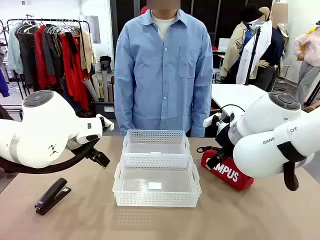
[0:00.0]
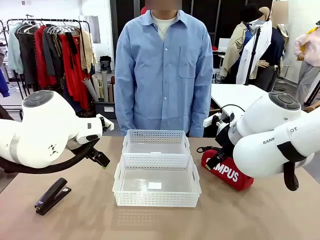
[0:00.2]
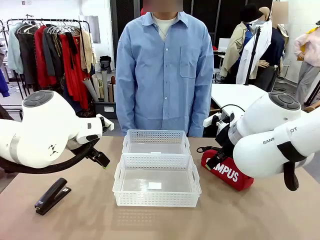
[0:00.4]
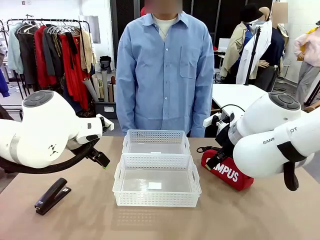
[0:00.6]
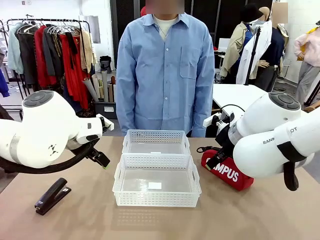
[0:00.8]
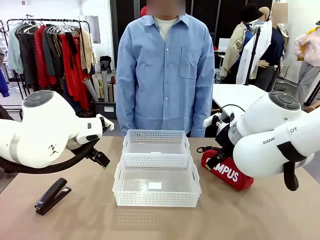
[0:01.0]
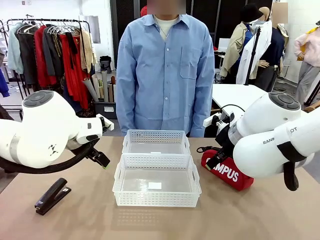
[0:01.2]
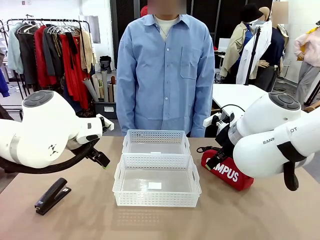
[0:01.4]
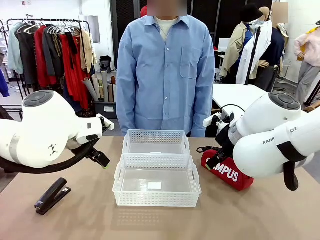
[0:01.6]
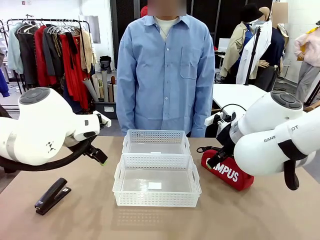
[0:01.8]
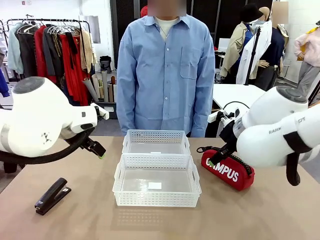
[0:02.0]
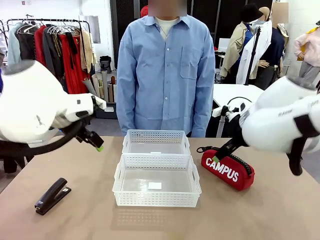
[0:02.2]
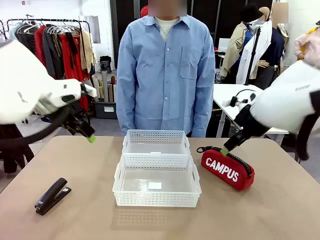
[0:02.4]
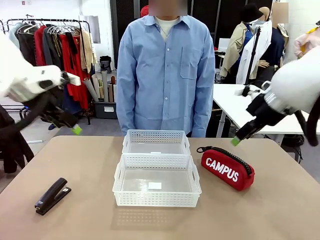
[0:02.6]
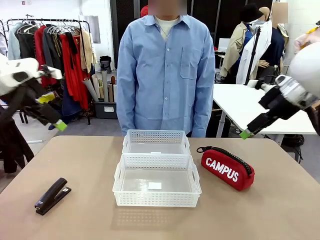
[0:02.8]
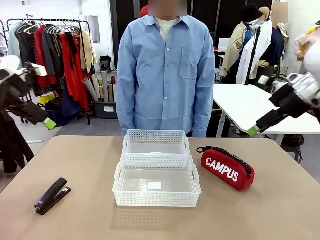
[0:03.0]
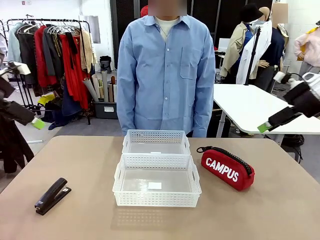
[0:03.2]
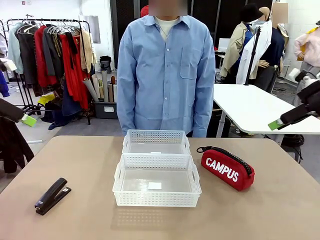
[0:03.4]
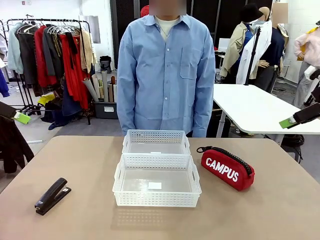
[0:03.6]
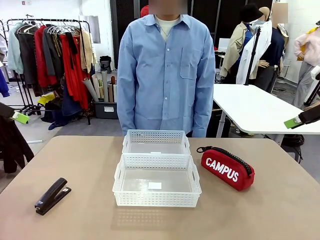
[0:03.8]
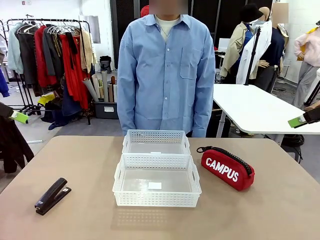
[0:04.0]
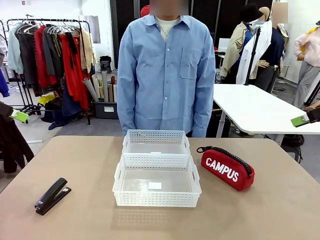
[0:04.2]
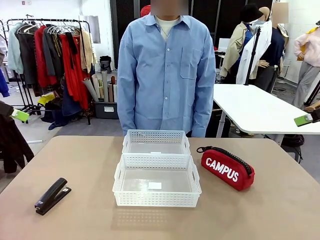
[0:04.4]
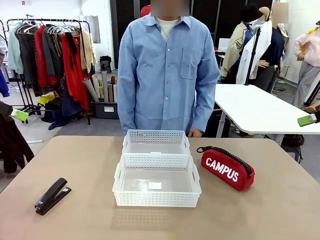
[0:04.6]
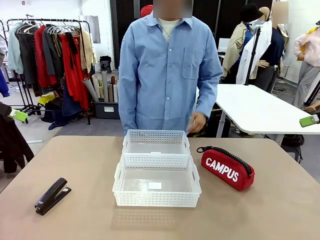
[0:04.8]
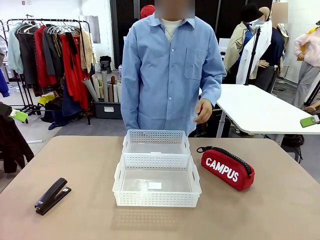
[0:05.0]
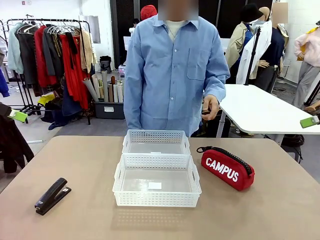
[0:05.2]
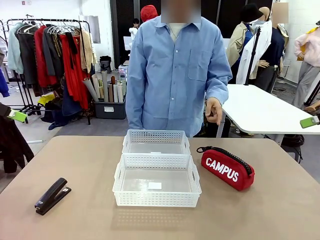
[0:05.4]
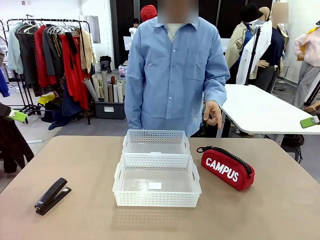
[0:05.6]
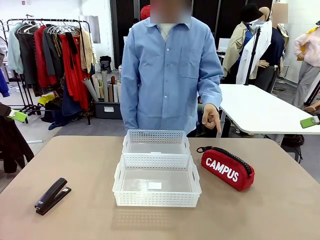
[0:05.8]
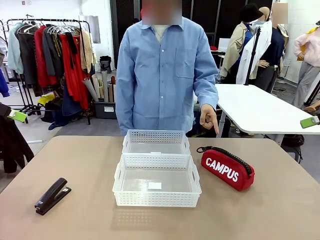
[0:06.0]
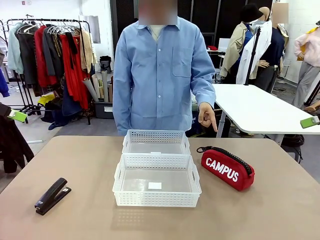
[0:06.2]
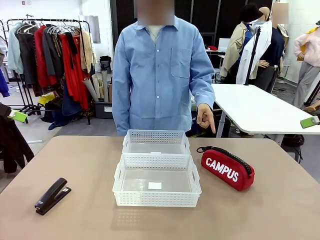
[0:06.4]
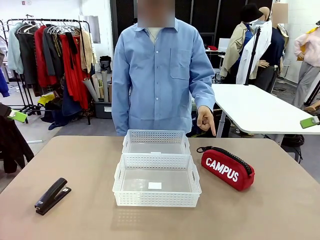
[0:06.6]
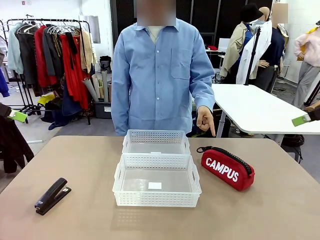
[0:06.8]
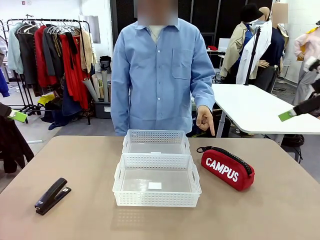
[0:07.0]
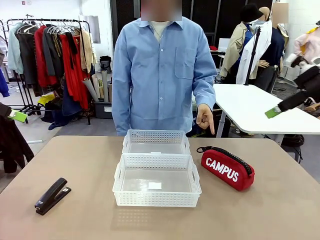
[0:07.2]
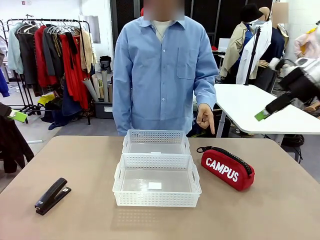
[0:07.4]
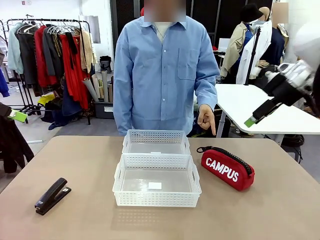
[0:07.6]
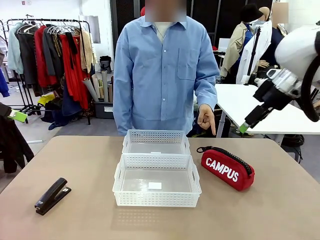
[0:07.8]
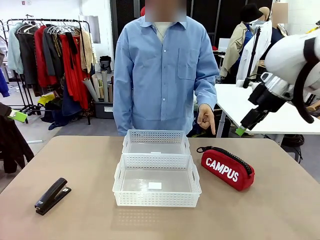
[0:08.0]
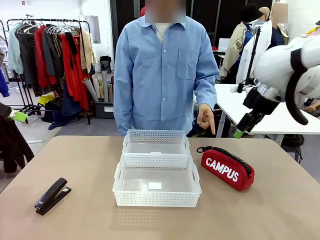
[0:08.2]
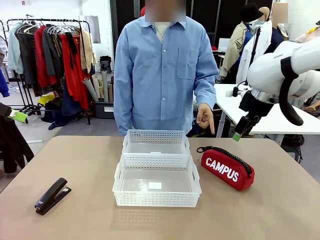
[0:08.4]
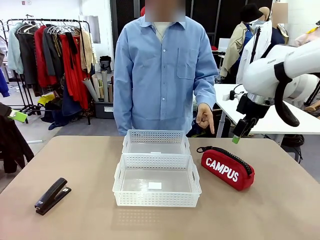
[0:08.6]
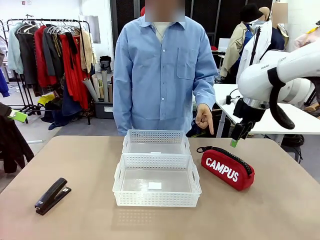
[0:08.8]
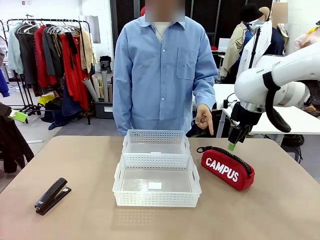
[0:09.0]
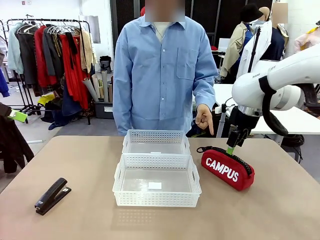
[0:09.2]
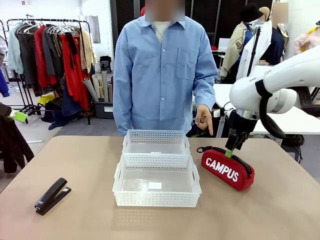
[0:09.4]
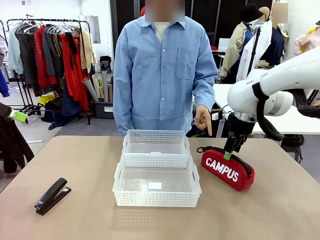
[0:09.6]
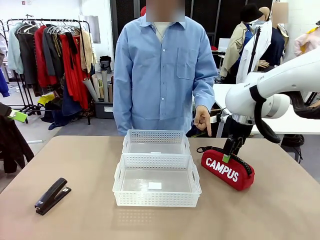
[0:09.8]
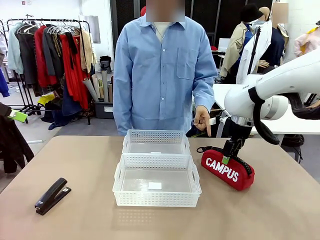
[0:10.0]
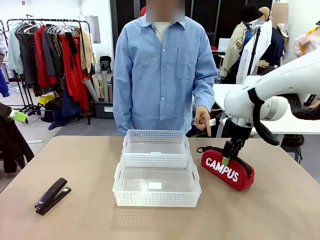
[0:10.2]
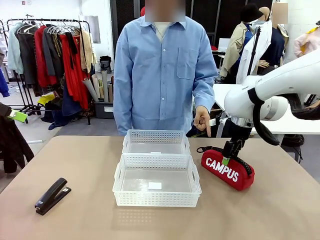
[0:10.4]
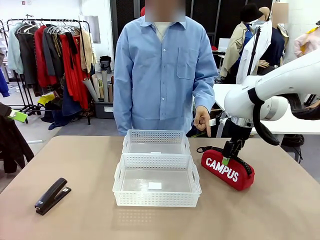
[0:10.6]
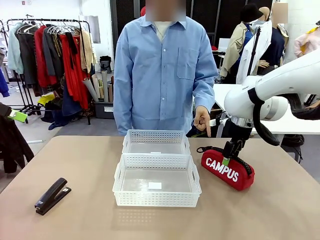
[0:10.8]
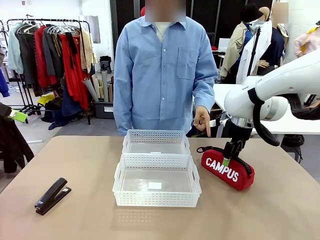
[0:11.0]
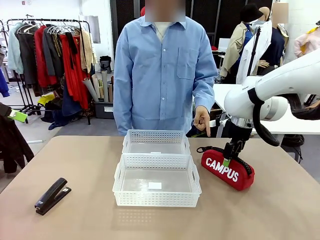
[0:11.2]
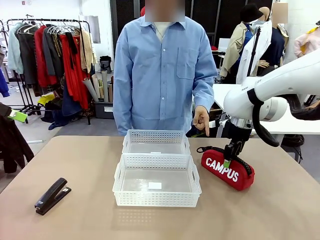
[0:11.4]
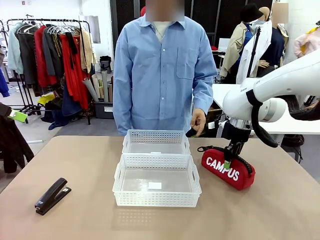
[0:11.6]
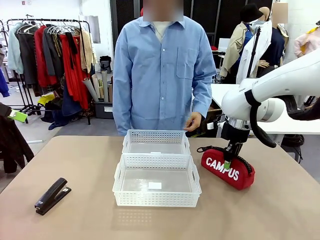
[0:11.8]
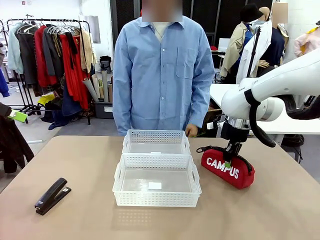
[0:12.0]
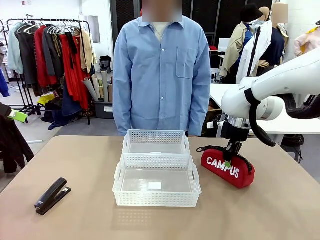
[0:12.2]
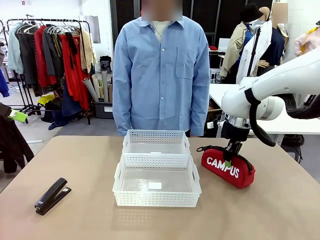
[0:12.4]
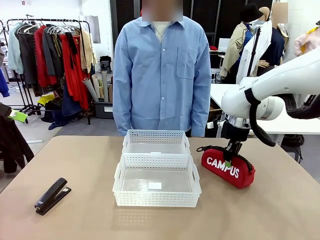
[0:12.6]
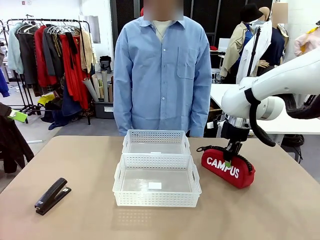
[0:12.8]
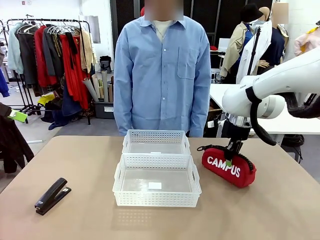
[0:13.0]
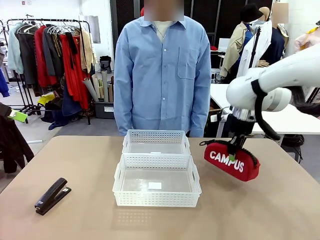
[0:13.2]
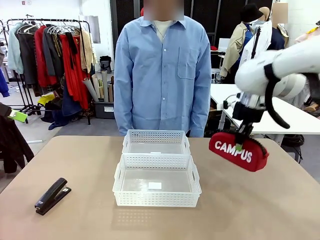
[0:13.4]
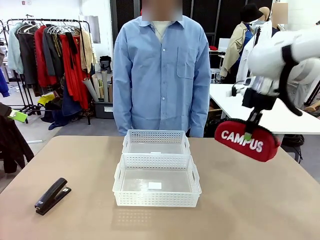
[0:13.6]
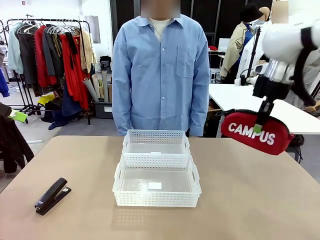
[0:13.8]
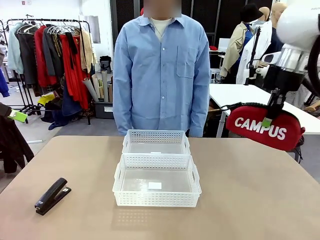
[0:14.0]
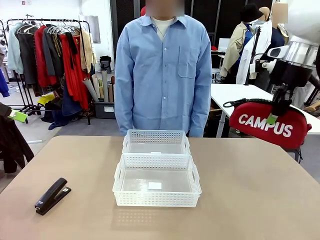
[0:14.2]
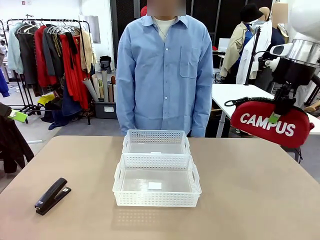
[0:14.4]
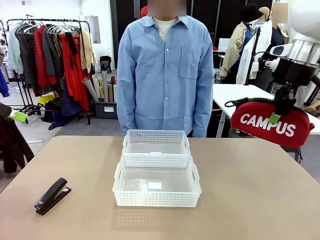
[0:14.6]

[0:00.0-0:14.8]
Task: Distribute items into two baskets.
Robot: Pick up the Pencil pouch that the person points to.
Person: Points to the pencil case. Points between the two organizing baskets and instructs the robot to move the pencil case.

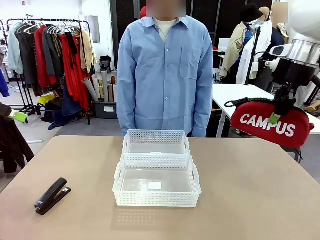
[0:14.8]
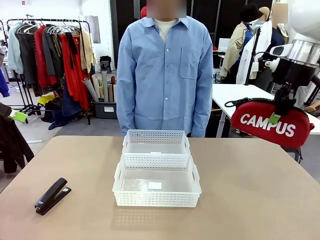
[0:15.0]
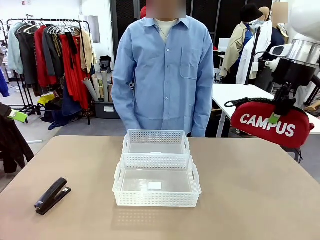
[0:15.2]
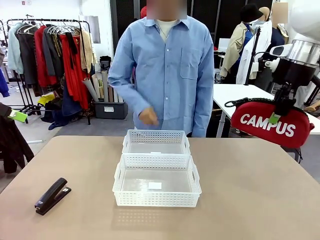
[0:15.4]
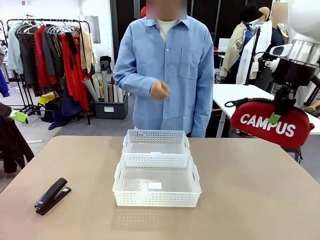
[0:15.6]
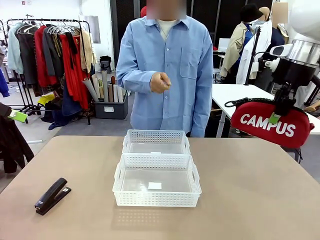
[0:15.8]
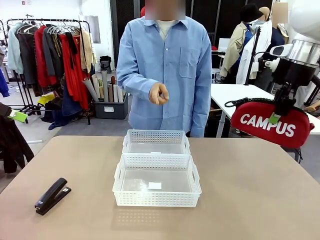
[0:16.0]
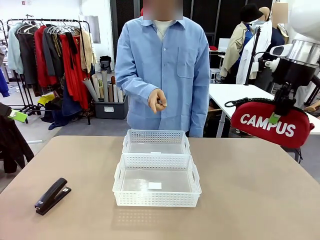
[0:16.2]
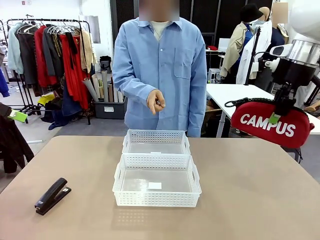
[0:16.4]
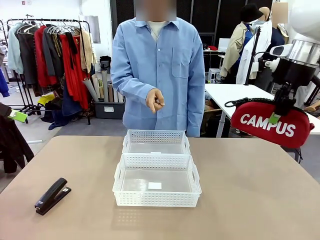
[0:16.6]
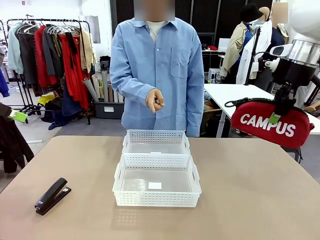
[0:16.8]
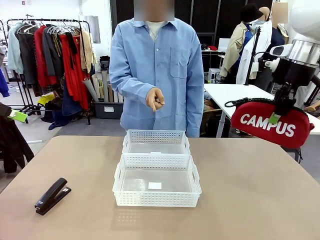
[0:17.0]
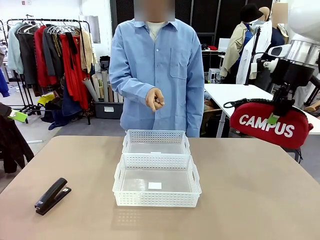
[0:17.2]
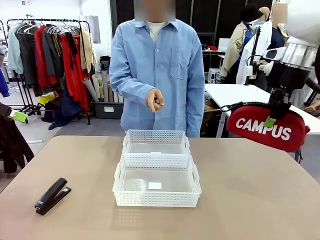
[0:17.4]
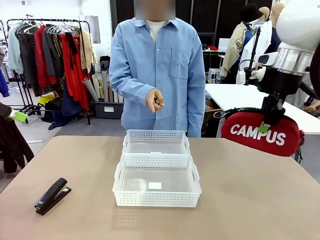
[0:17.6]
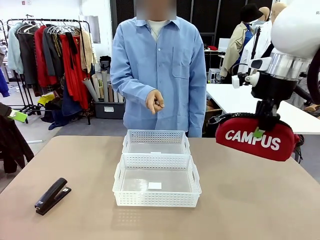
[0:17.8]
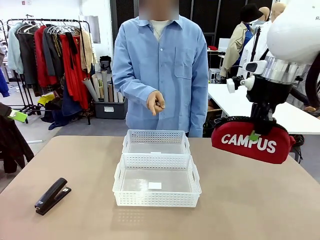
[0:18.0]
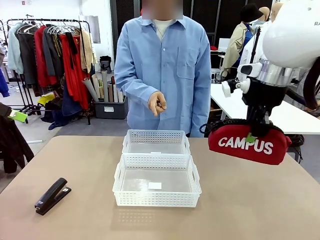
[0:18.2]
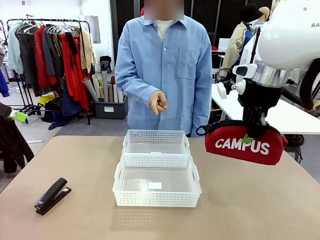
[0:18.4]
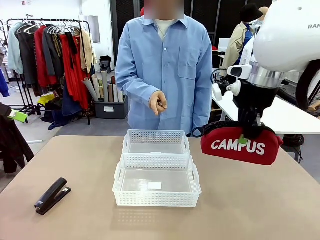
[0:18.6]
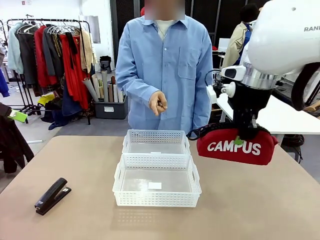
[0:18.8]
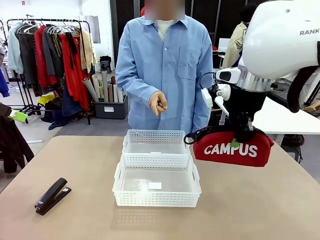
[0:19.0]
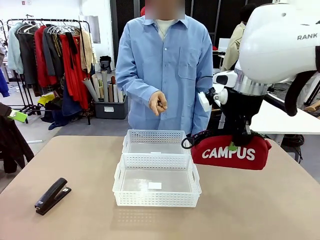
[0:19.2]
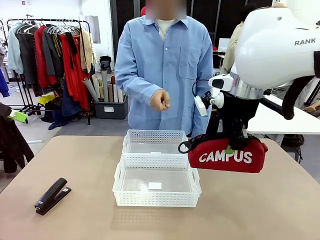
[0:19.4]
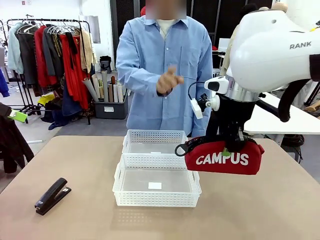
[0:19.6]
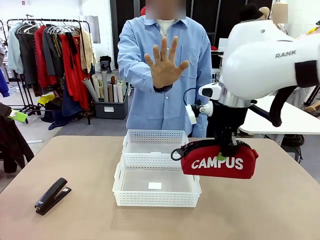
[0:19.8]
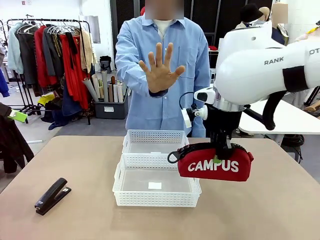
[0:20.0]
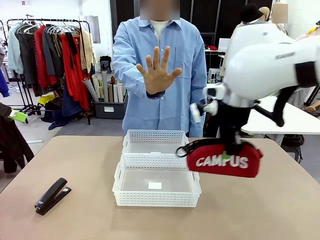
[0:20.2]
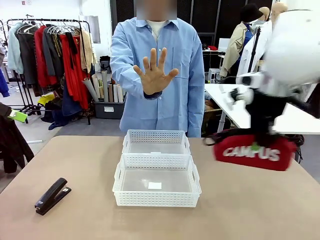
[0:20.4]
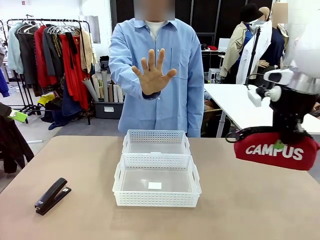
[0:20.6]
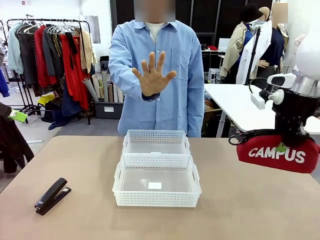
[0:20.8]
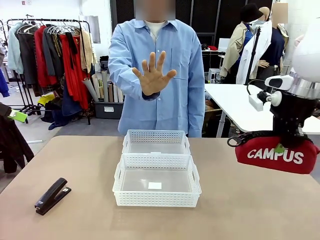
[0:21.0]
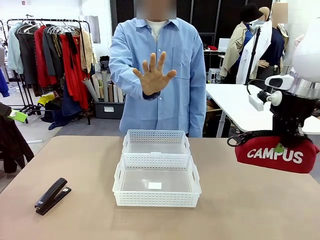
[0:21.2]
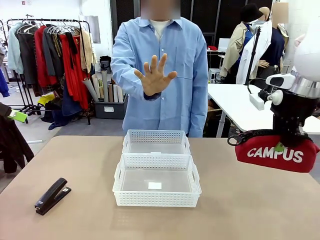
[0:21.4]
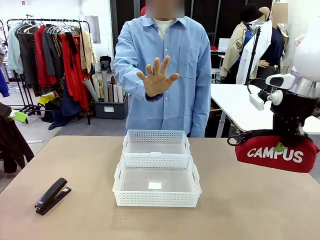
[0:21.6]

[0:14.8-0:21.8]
Robot: Move the picked Pencil pouch towards the Organizing basket indicated by the person, stopping as directed.
Person: Sends a stop gesture before the robot places the pencil case into the basket.
